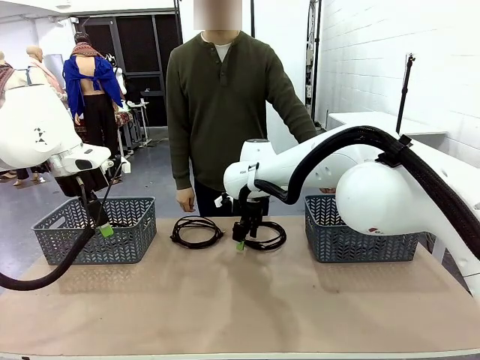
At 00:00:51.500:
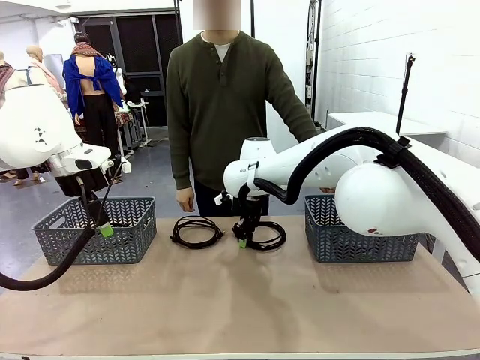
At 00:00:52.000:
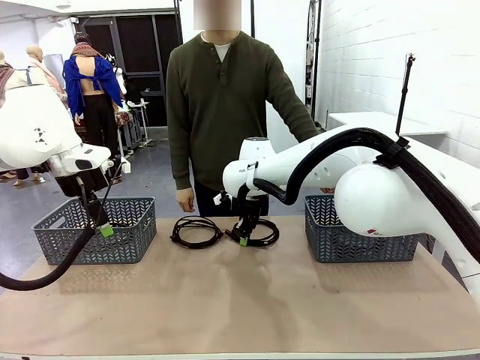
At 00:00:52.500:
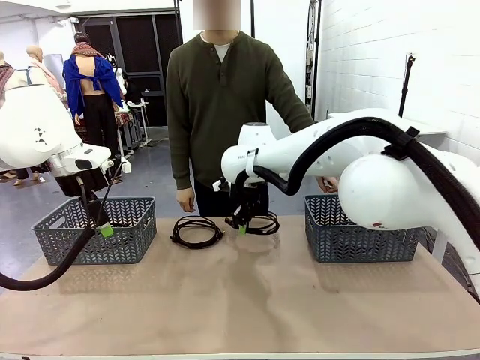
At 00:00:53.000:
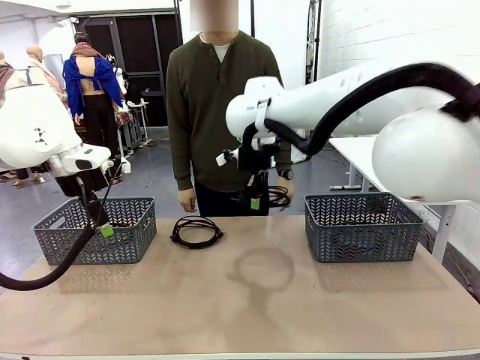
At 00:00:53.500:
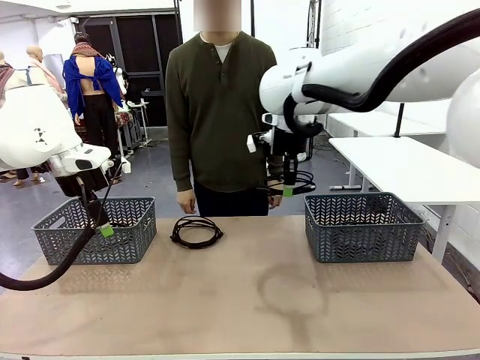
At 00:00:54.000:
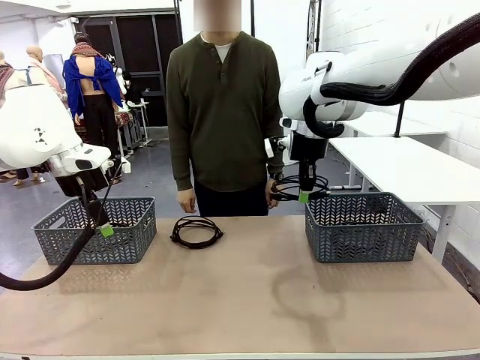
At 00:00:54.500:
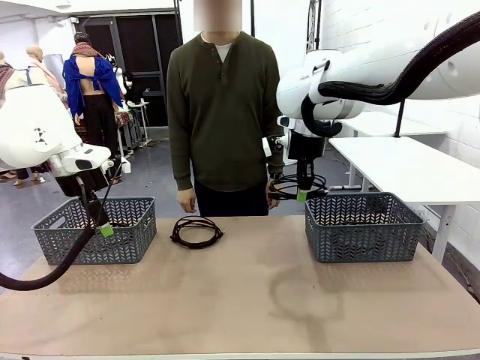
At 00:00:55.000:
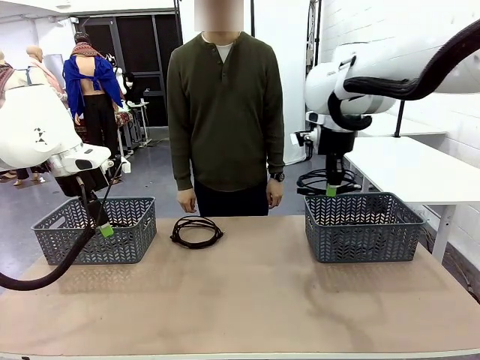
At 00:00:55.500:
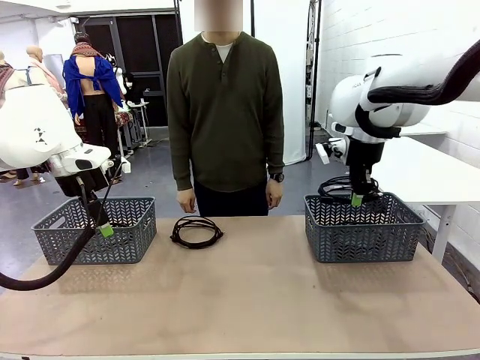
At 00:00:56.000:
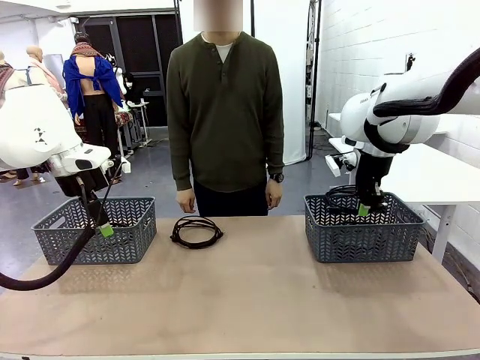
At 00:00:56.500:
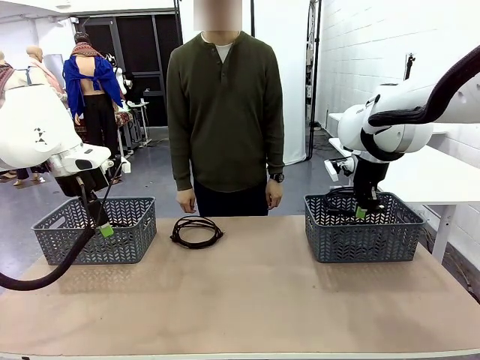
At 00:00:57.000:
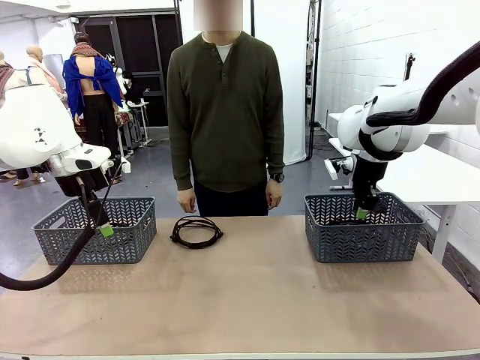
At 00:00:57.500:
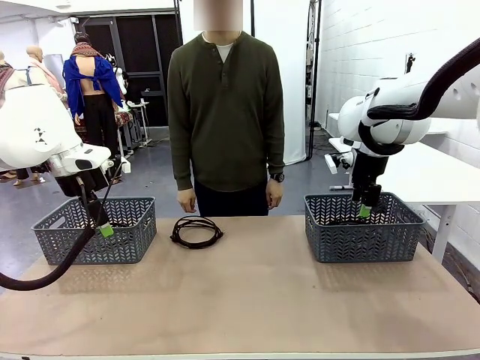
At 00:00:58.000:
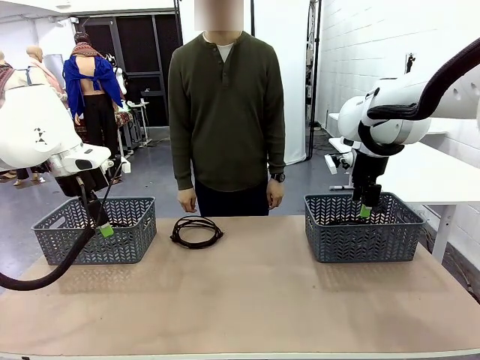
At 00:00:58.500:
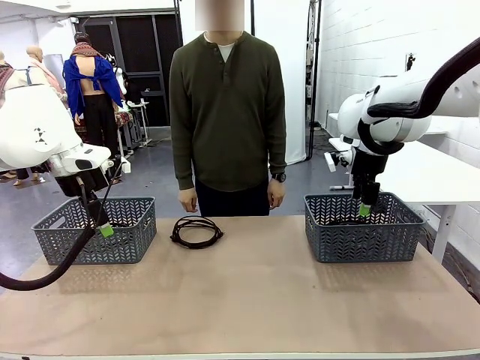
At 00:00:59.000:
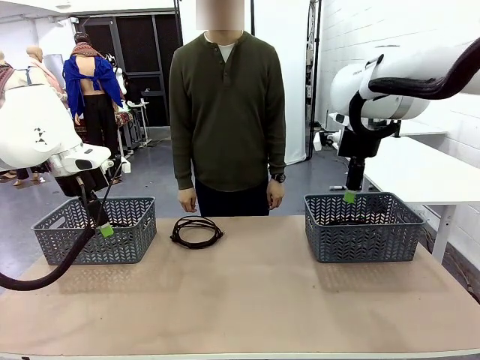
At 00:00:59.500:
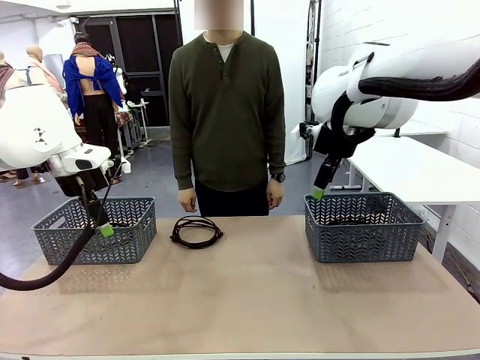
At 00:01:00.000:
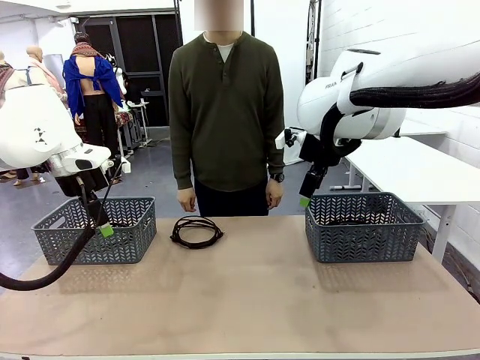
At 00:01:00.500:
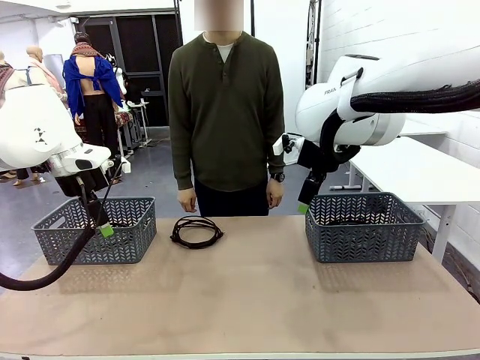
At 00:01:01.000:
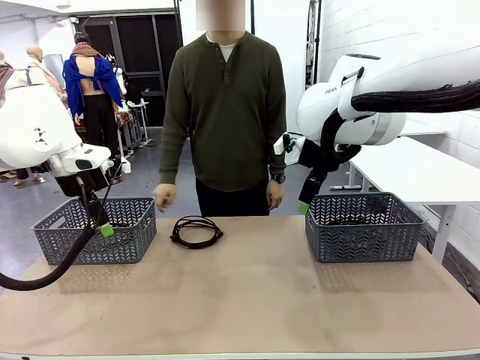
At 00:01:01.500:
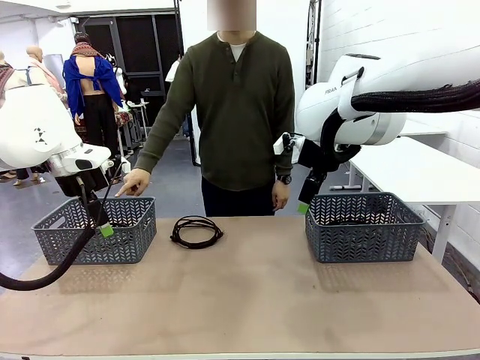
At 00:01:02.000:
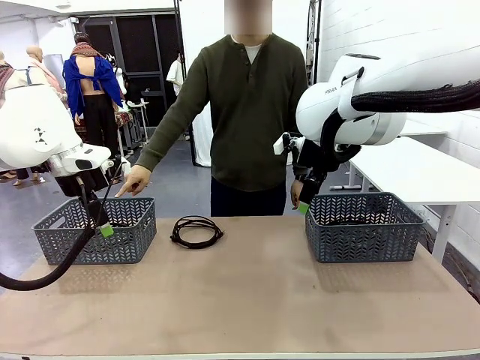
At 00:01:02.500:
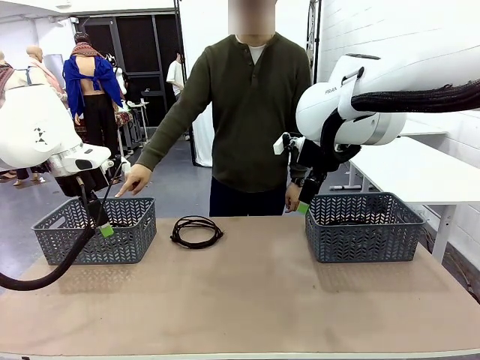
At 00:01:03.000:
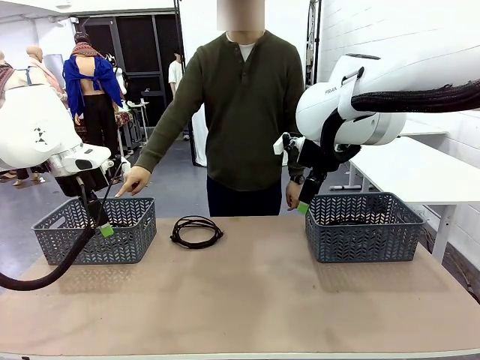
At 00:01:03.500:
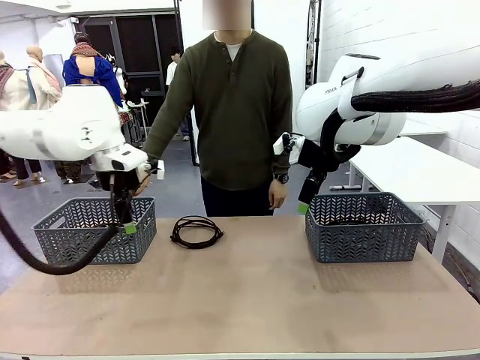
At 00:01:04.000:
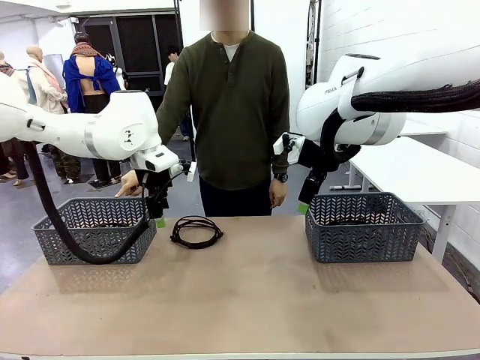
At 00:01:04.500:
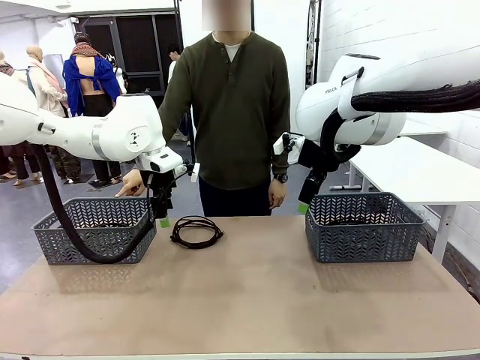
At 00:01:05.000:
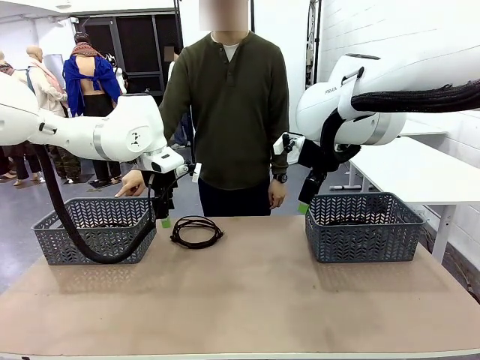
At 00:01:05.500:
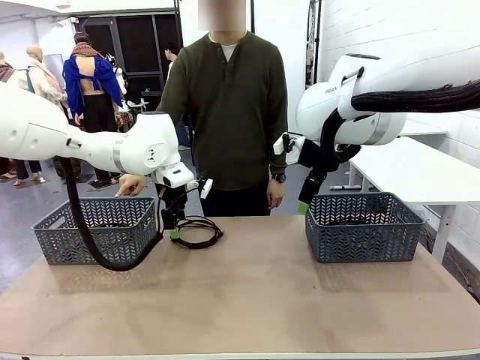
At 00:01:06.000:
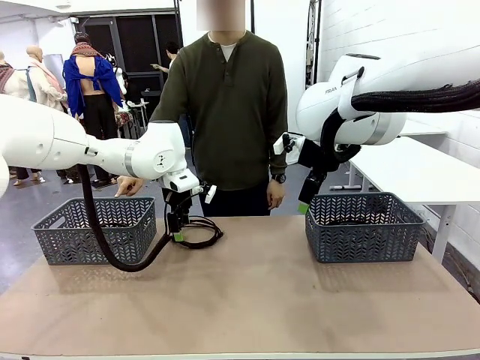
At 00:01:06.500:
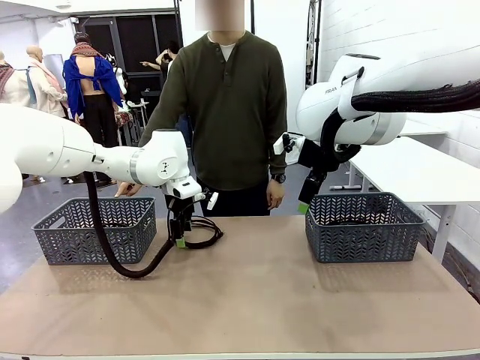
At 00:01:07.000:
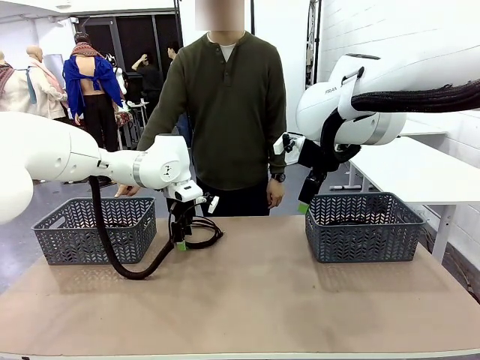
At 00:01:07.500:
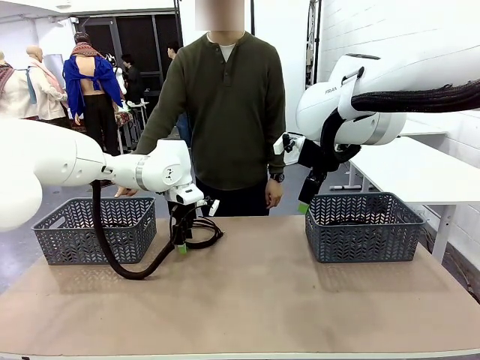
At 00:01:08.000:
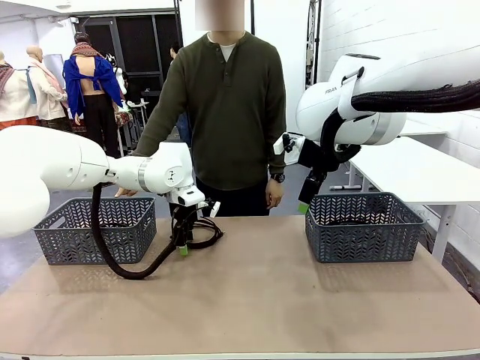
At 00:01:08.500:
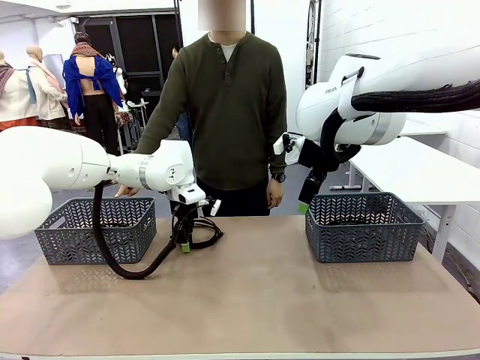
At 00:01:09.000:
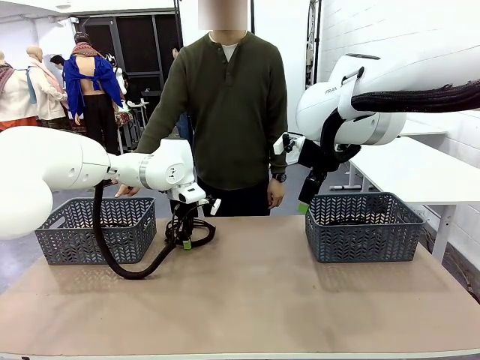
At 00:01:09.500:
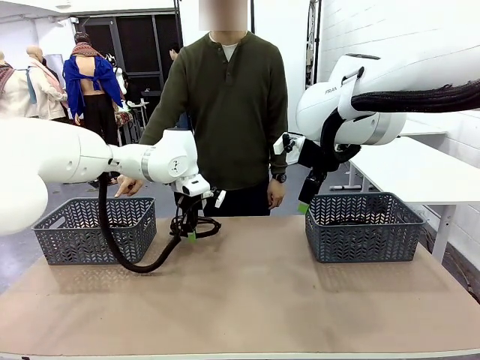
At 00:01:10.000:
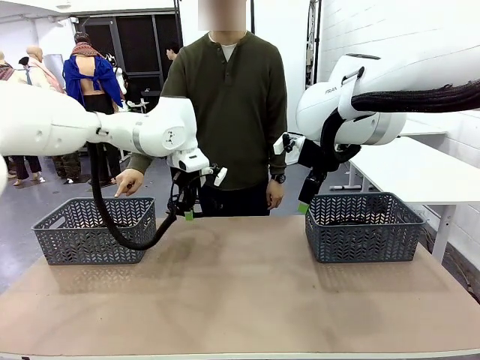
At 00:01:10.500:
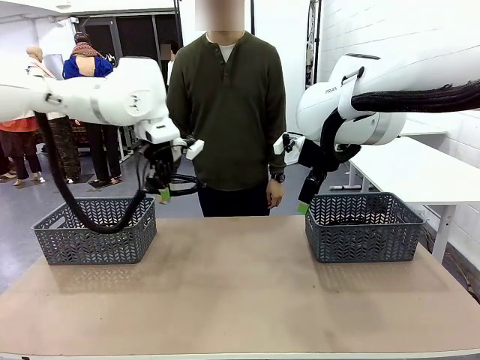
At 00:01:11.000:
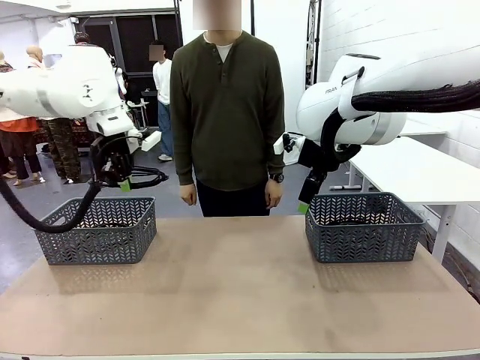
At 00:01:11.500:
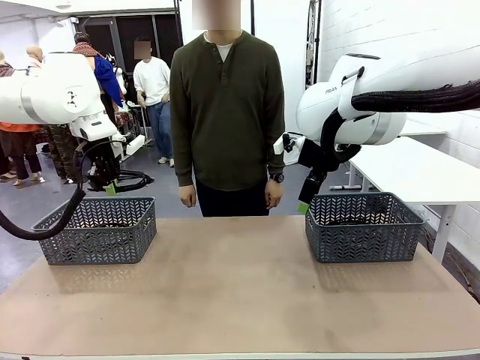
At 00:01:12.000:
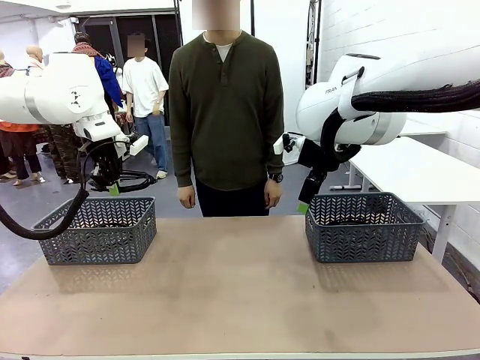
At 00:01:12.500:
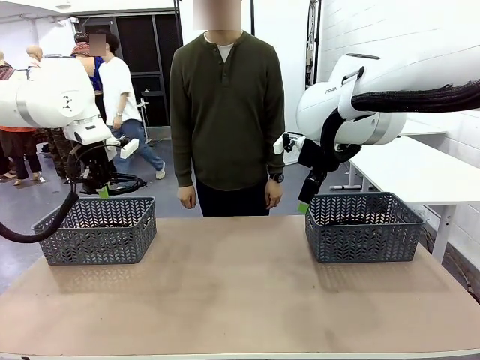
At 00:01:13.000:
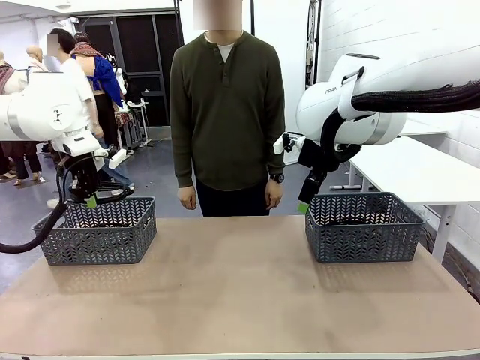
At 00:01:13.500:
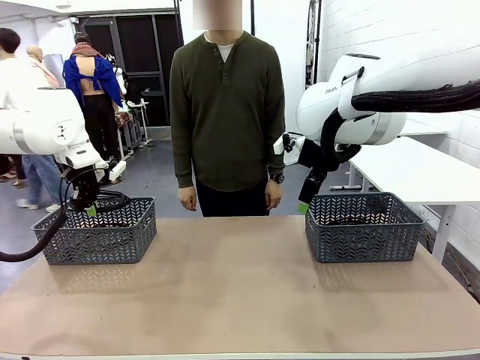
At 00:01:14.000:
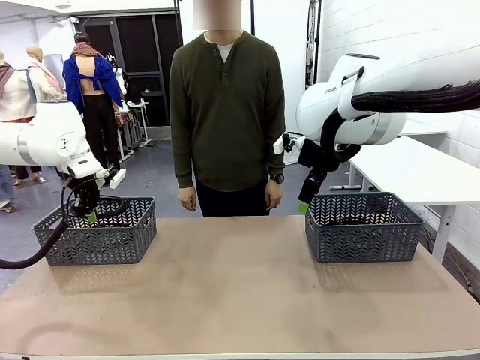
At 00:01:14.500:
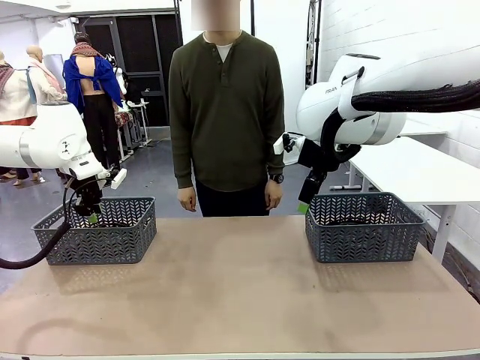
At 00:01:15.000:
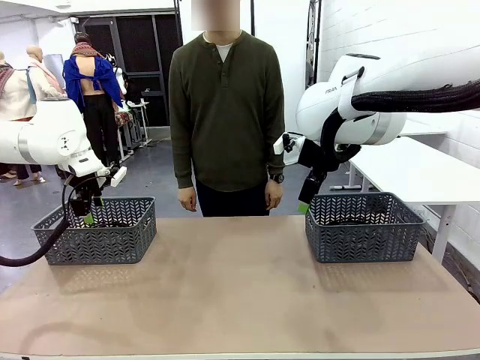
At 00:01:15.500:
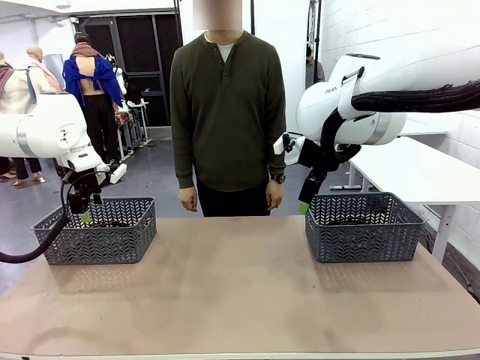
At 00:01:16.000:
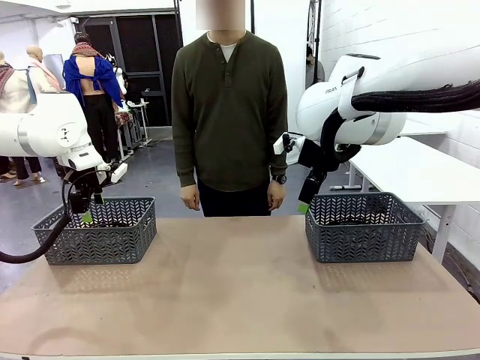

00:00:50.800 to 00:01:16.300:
Task: Organize the cables according to human instructions.
Robot: Pick up a bundle of cables and place it in the basket indicated by the human.
